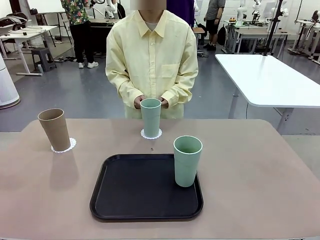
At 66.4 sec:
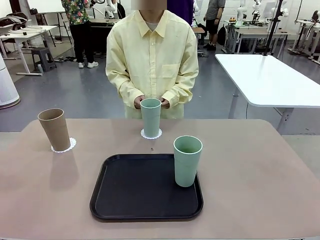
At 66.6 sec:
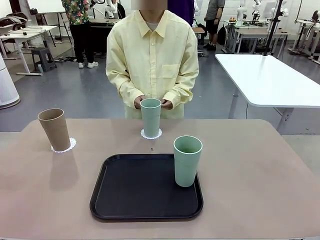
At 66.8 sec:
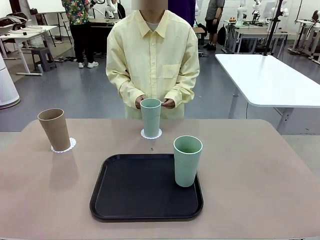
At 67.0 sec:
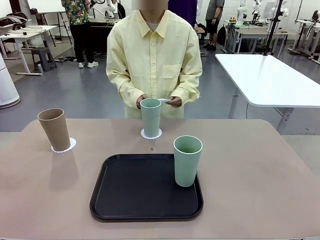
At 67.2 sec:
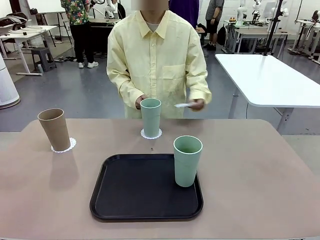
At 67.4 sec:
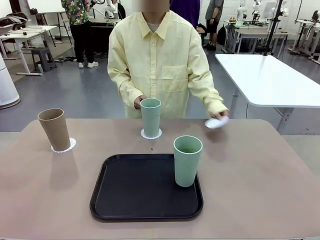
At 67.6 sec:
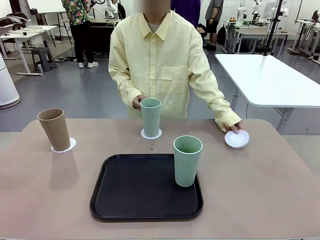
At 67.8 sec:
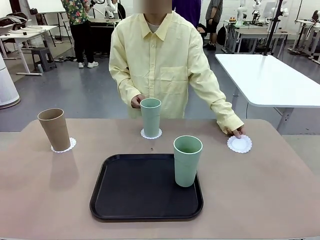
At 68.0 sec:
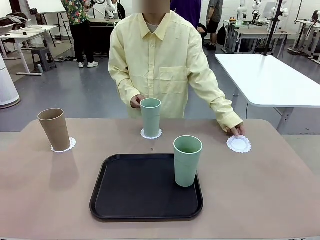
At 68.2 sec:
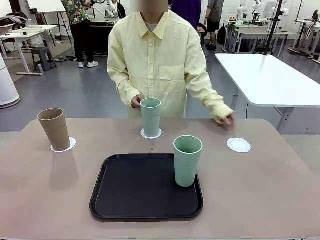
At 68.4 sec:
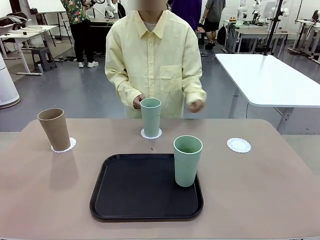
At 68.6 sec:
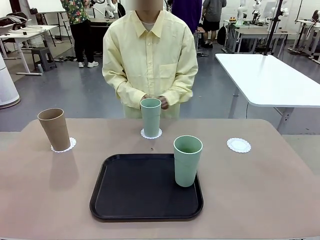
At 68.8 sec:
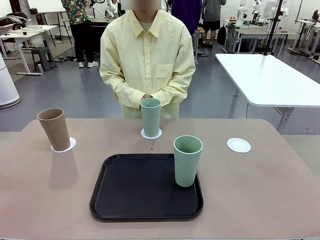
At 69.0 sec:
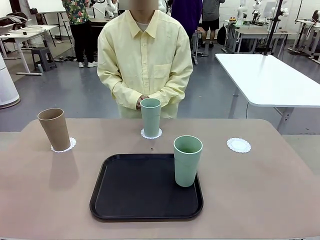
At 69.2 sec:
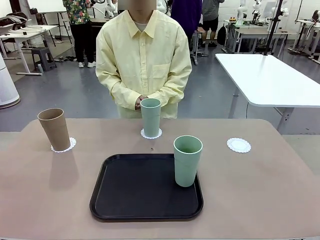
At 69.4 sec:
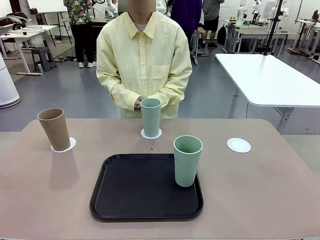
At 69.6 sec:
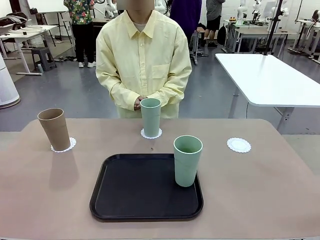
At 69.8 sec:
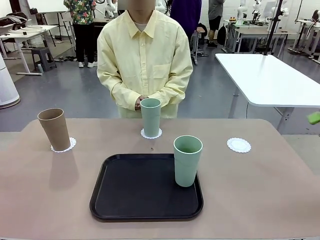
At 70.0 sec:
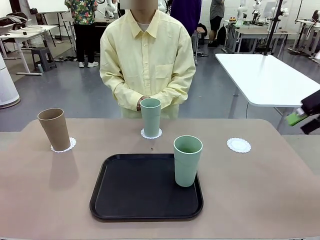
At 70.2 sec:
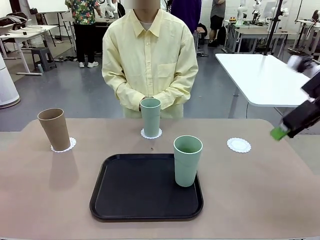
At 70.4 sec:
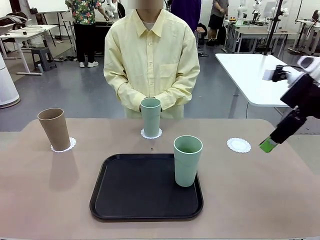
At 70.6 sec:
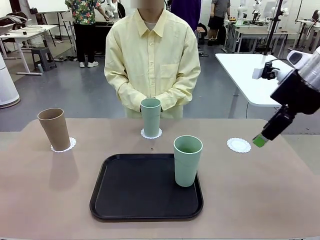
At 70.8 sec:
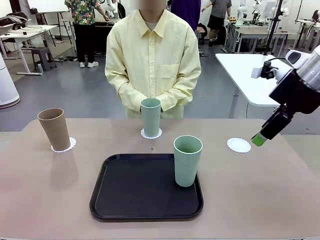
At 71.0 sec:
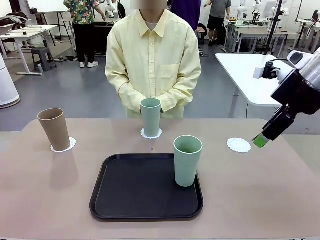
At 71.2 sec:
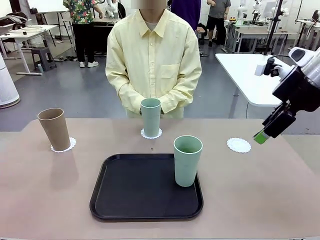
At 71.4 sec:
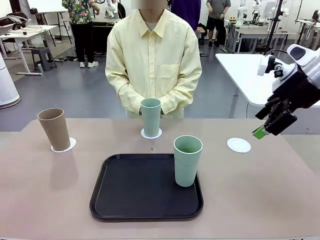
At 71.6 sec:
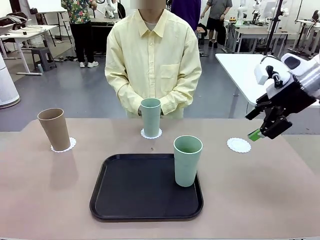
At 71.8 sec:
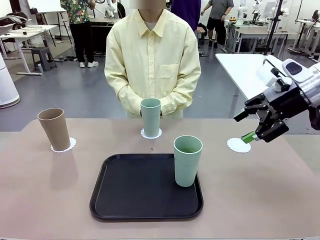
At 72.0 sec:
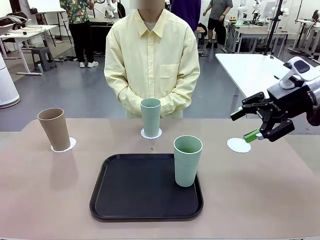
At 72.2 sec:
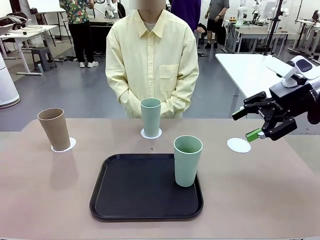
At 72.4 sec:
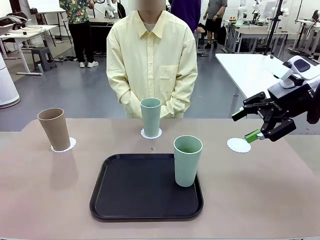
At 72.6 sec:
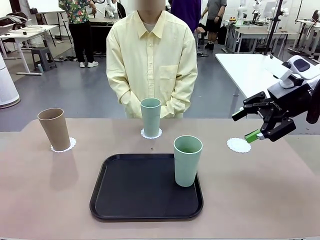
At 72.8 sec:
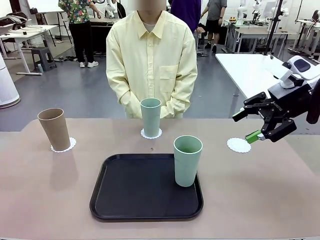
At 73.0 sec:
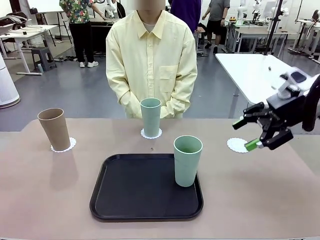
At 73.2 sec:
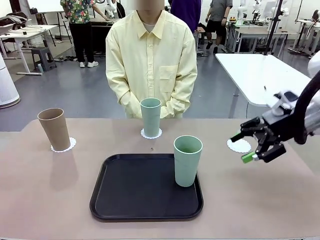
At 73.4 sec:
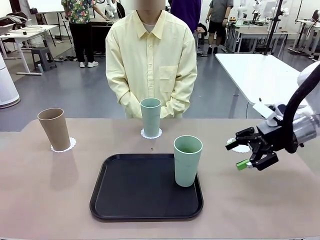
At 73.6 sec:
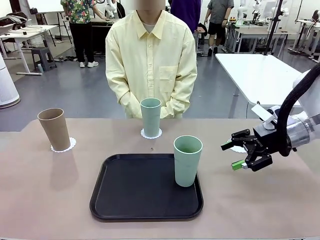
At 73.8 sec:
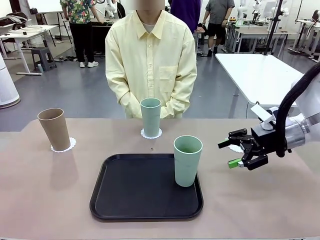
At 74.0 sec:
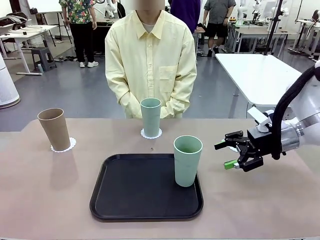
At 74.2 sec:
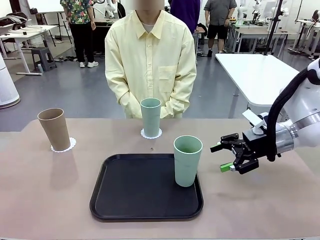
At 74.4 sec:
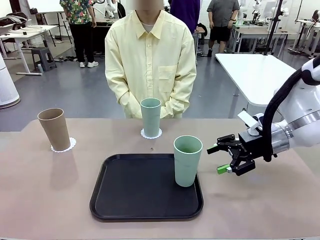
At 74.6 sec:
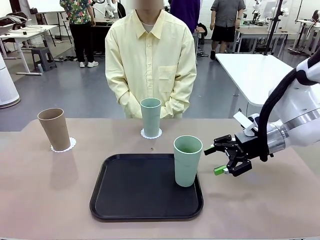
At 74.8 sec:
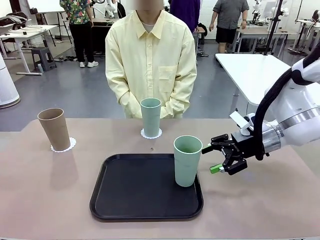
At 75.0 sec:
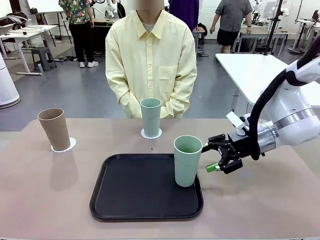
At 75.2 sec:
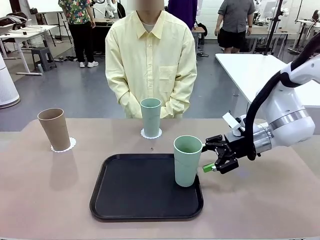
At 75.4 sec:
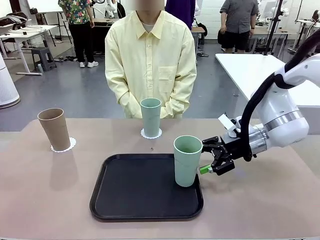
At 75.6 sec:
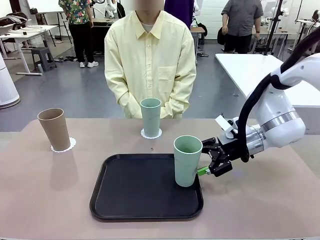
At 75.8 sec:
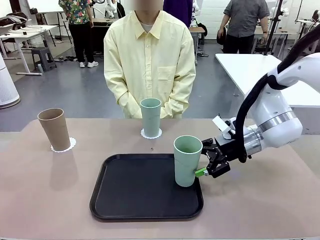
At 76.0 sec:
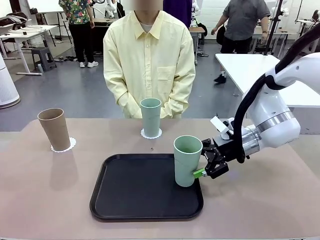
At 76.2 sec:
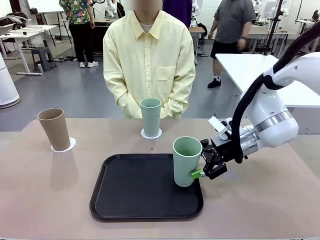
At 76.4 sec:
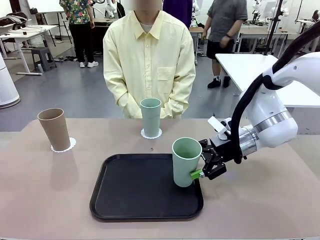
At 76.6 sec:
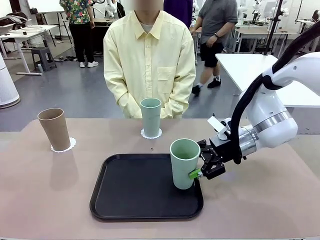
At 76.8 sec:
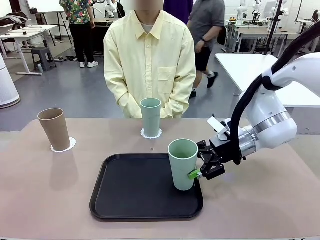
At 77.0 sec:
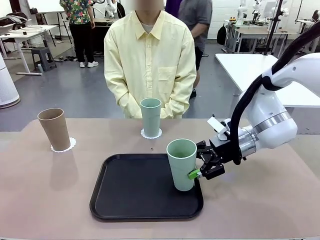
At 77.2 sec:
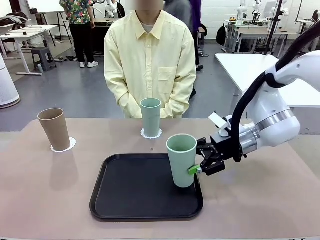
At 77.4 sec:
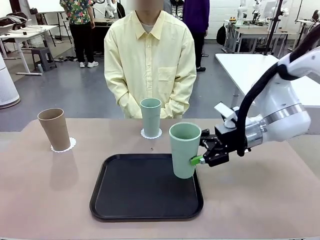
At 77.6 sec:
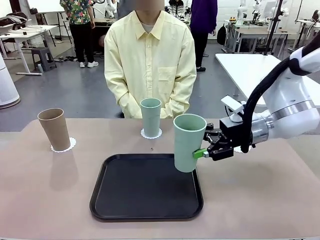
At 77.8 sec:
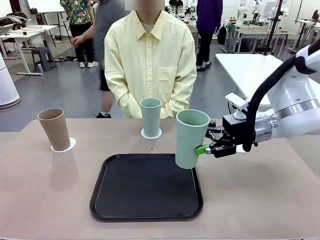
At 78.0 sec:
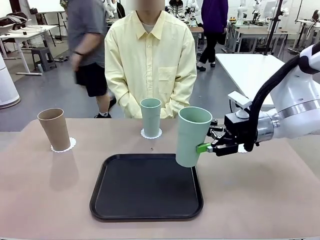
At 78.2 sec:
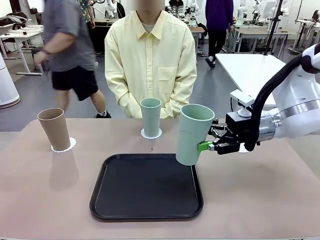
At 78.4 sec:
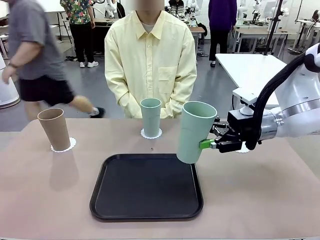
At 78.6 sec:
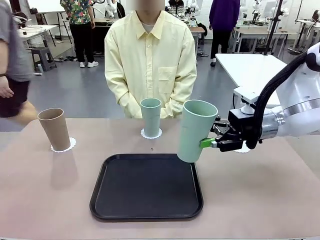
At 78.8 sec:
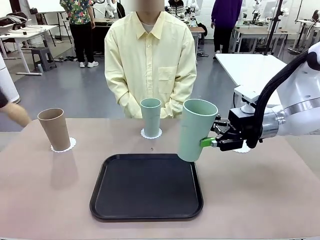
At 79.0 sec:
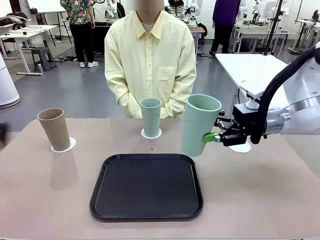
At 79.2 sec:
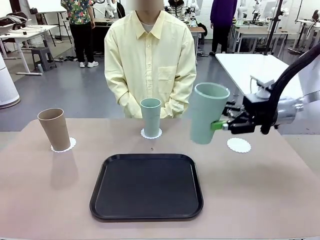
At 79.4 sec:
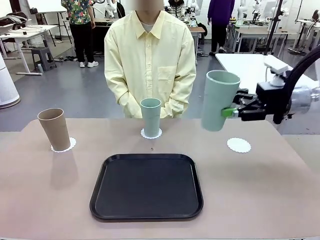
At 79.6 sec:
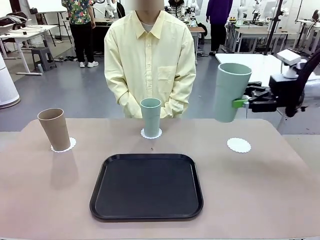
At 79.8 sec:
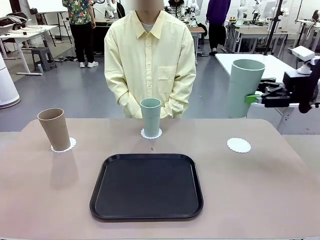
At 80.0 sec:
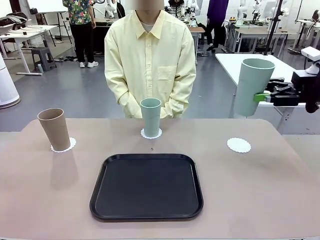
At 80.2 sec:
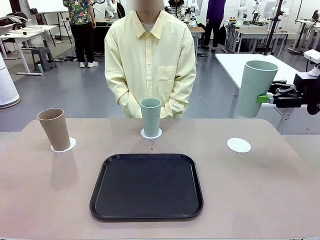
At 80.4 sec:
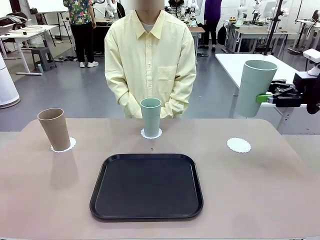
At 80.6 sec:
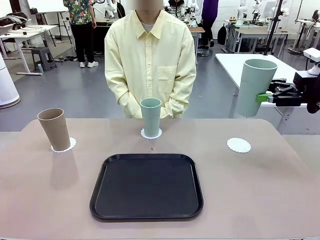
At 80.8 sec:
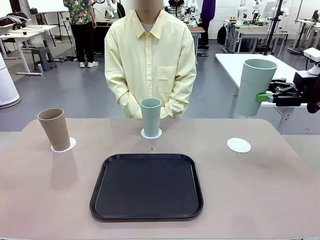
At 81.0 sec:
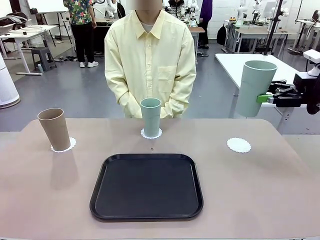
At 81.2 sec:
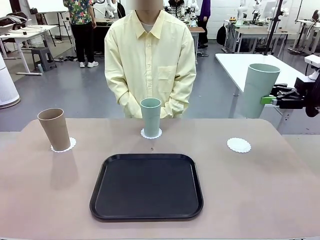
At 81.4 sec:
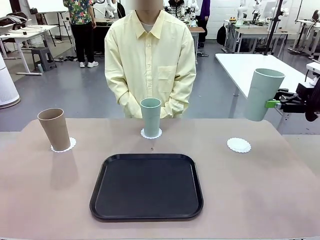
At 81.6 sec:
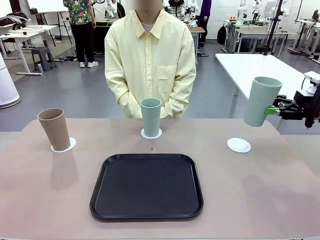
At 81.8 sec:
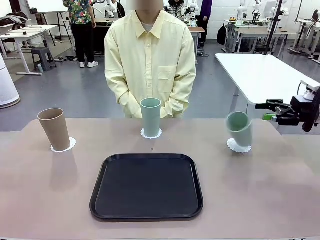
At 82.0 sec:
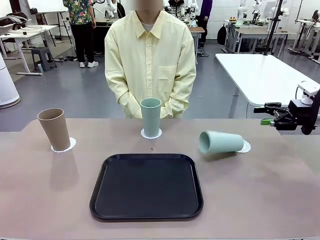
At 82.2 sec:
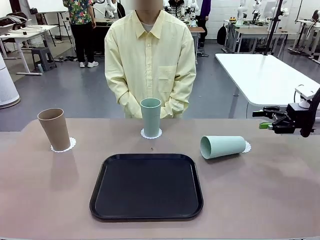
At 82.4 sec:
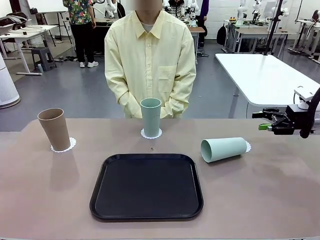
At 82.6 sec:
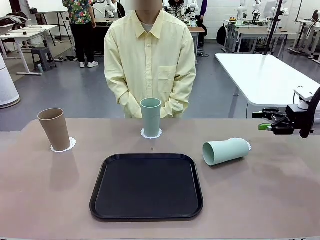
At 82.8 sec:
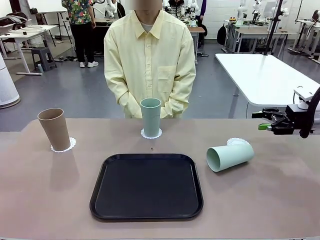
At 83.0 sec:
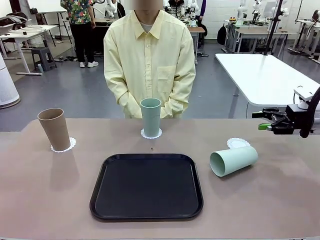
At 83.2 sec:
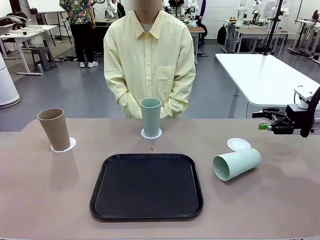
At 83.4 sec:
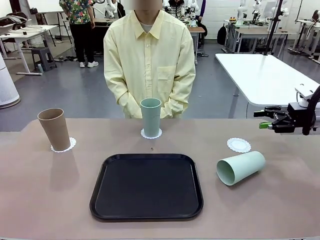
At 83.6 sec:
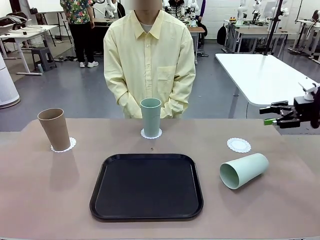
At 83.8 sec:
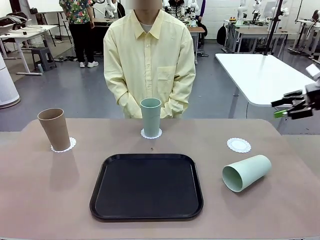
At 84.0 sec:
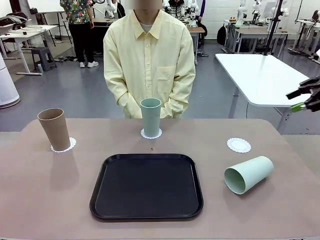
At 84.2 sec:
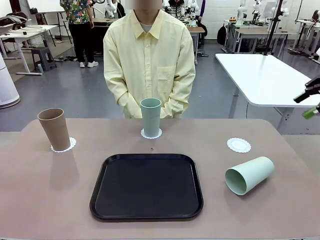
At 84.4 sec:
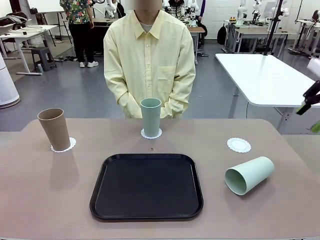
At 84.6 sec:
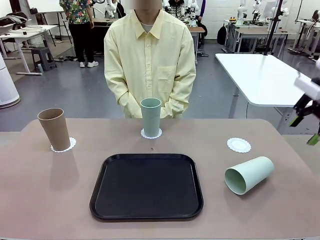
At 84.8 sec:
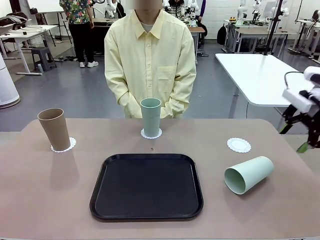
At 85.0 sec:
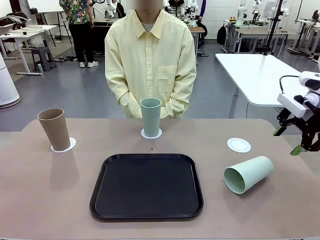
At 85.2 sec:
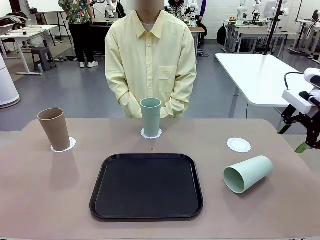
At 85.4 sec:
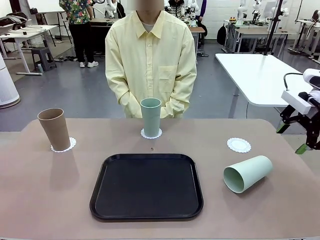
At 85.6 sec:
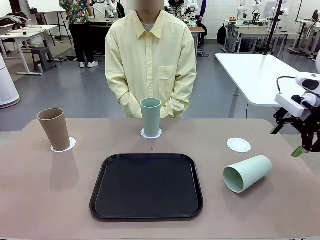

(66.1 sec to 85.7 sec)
Task: Place coasters on the table and set cups on them.
Robot: Take one Reusable plastic cup from the Flat Tray and place it on a coaster set by the human.
